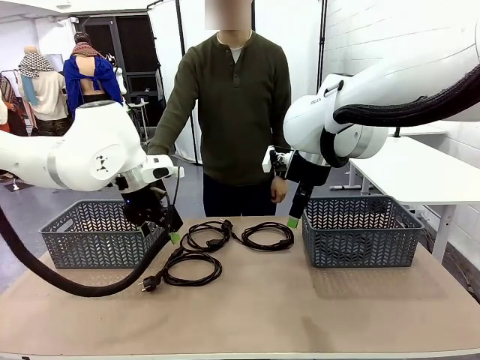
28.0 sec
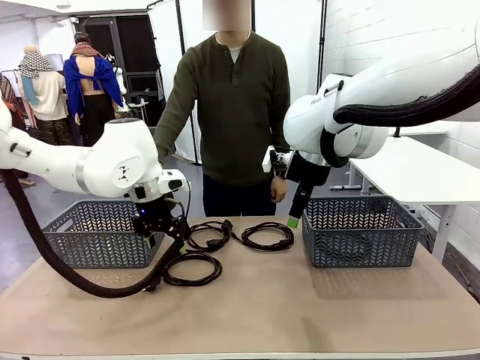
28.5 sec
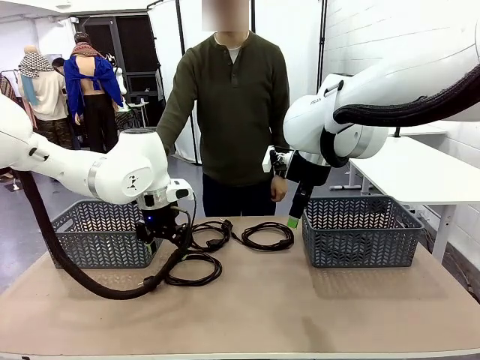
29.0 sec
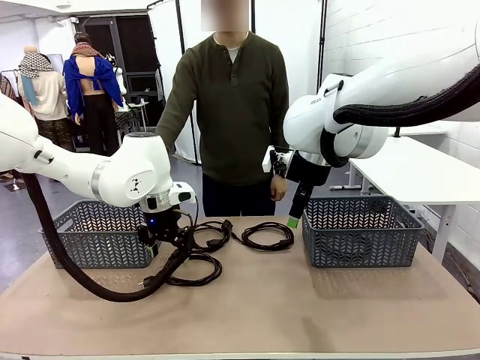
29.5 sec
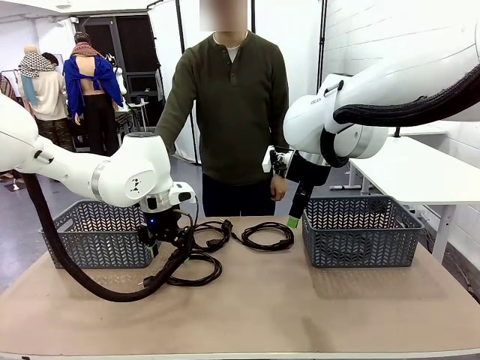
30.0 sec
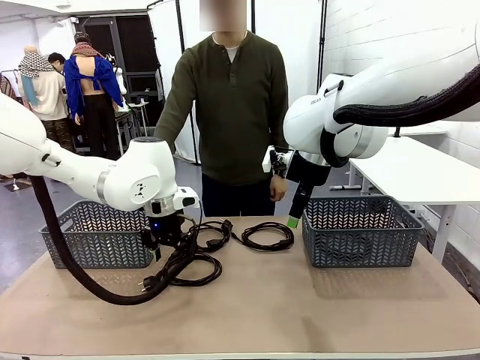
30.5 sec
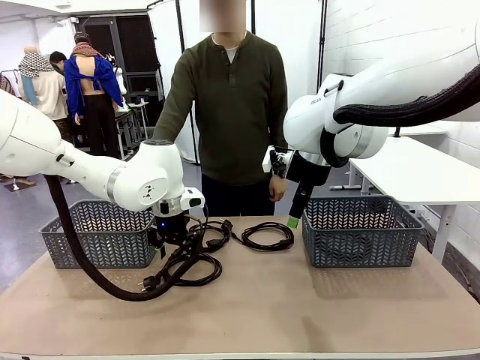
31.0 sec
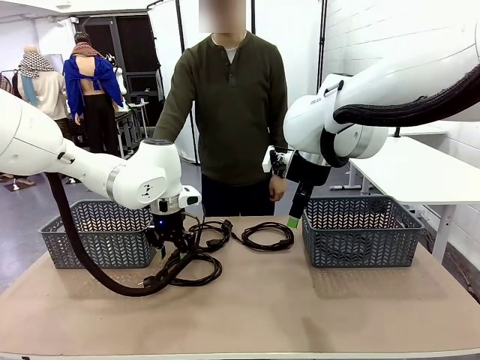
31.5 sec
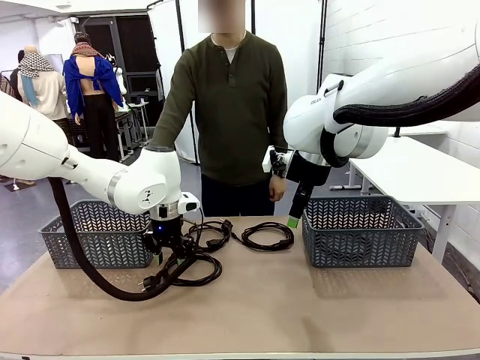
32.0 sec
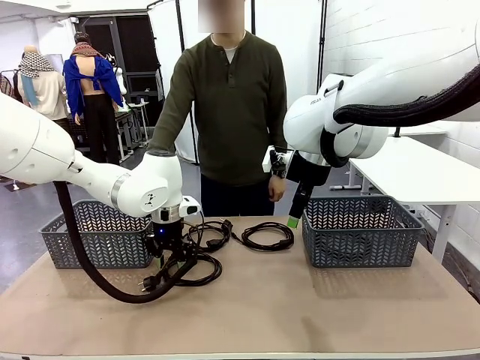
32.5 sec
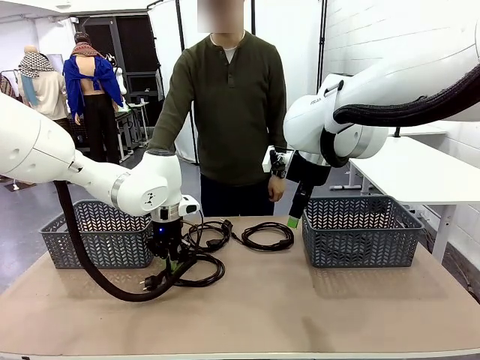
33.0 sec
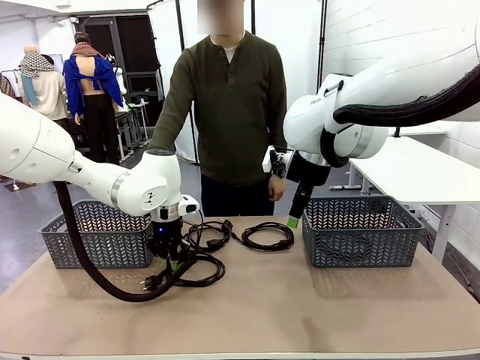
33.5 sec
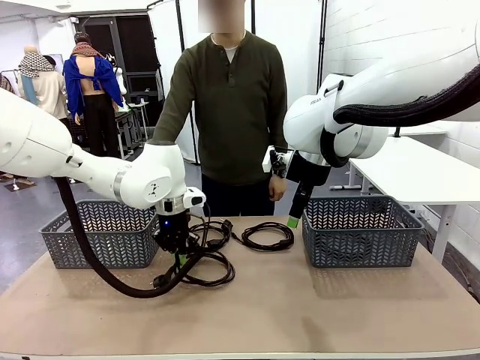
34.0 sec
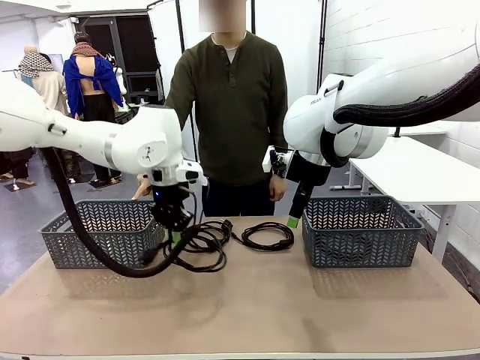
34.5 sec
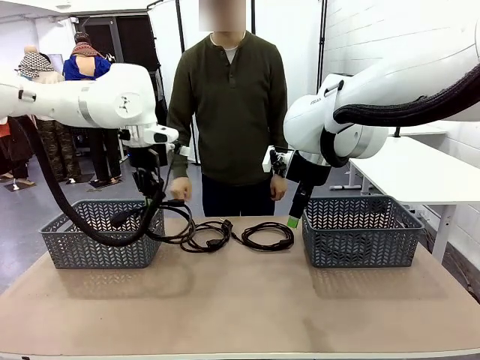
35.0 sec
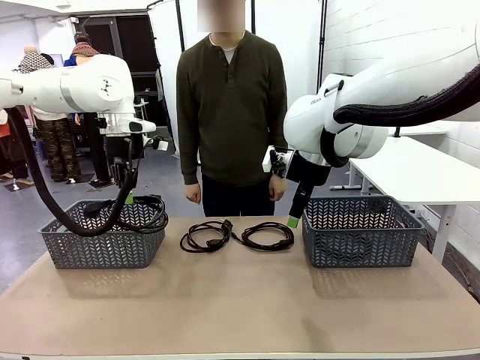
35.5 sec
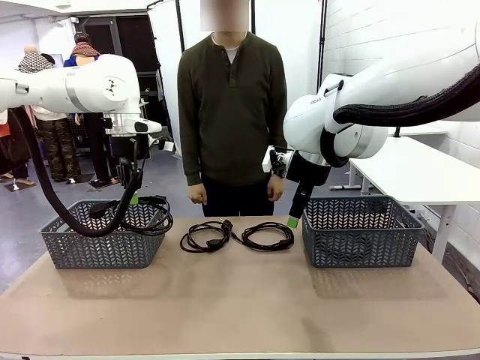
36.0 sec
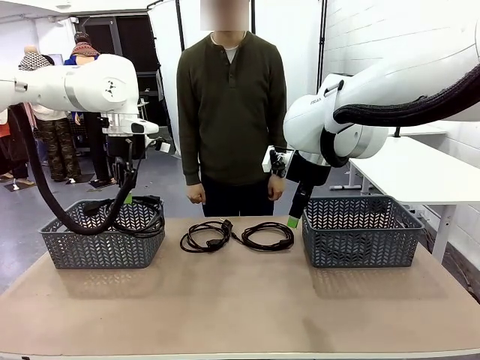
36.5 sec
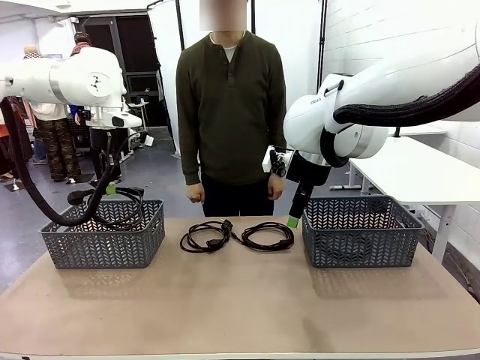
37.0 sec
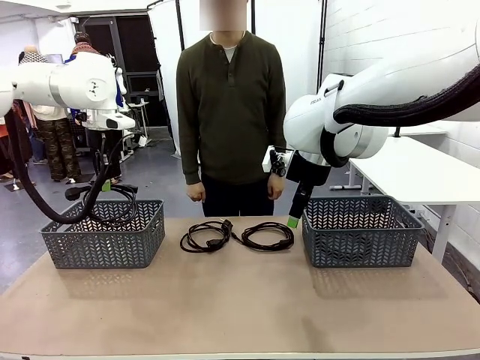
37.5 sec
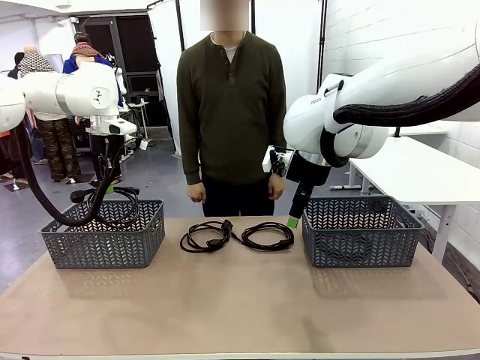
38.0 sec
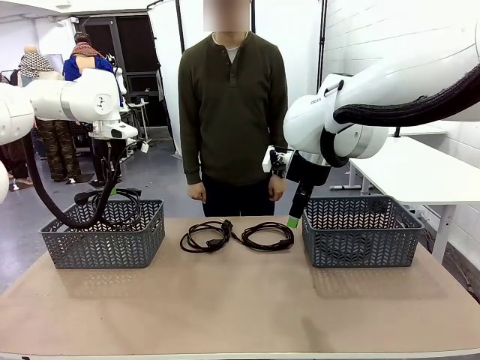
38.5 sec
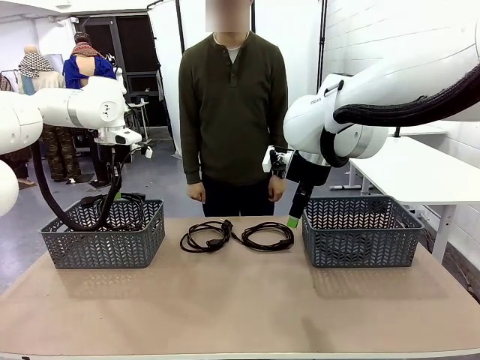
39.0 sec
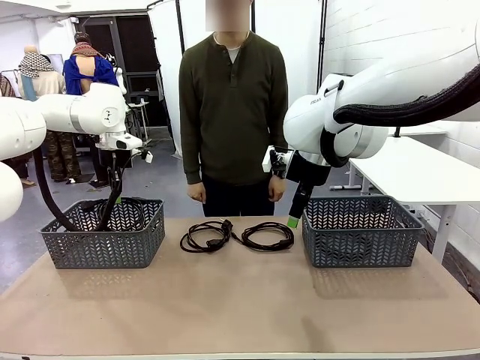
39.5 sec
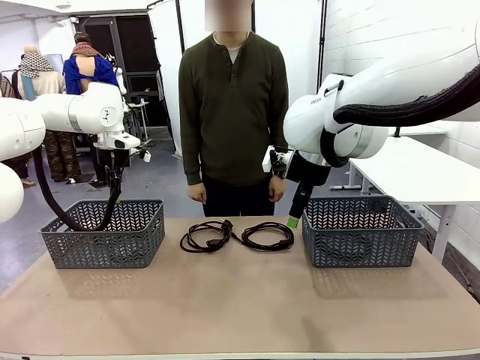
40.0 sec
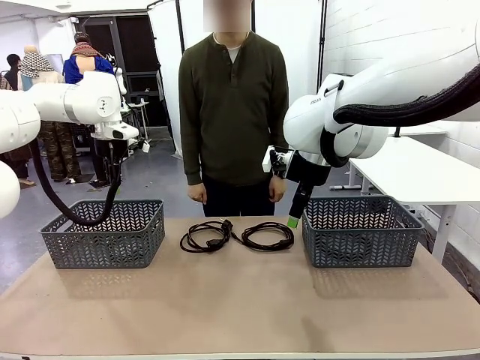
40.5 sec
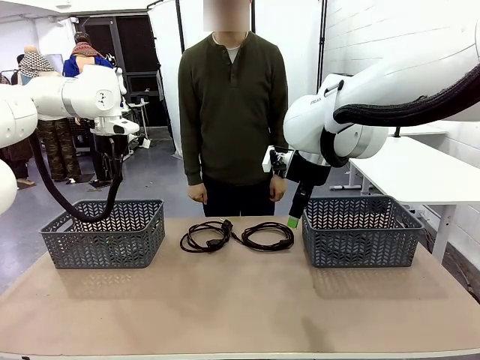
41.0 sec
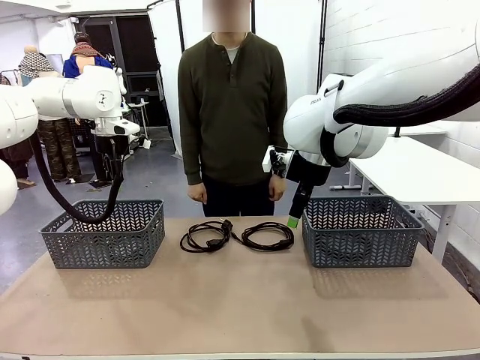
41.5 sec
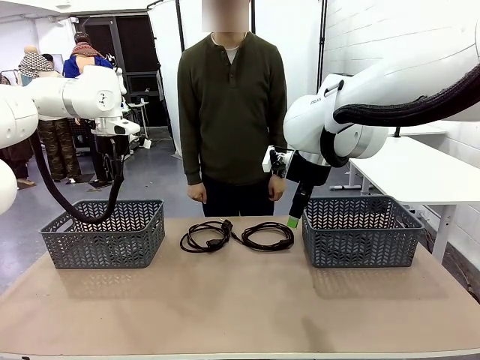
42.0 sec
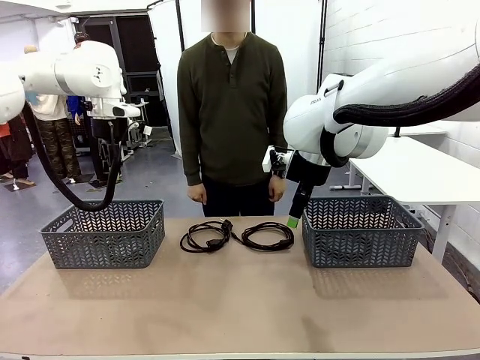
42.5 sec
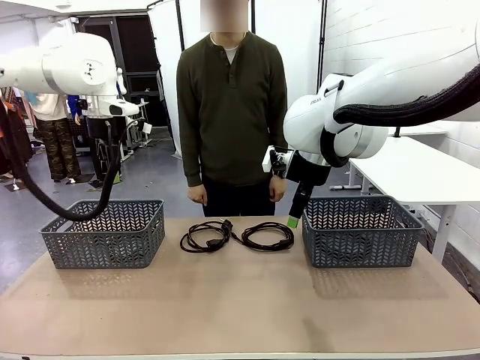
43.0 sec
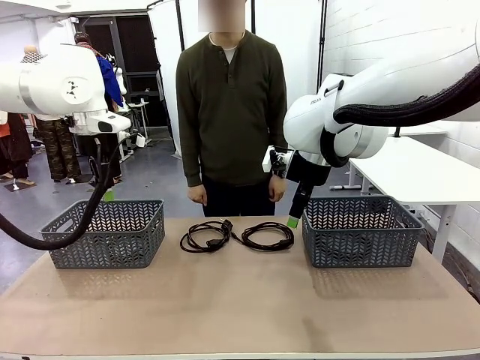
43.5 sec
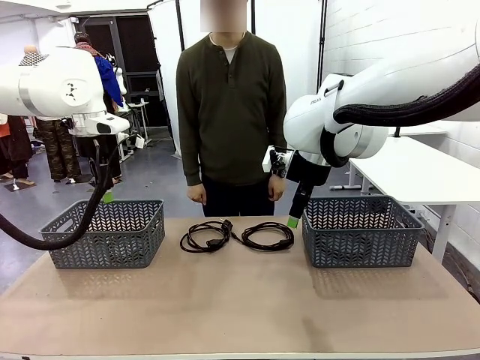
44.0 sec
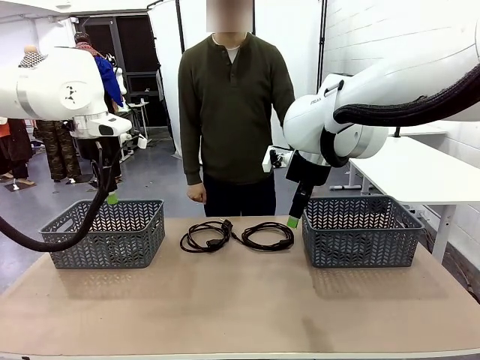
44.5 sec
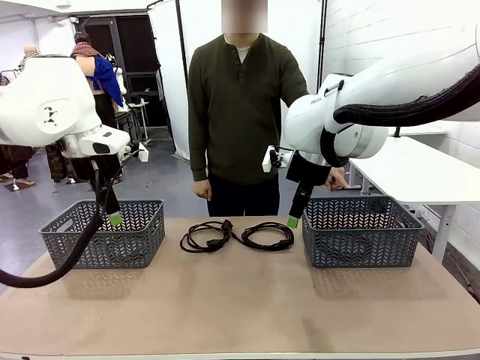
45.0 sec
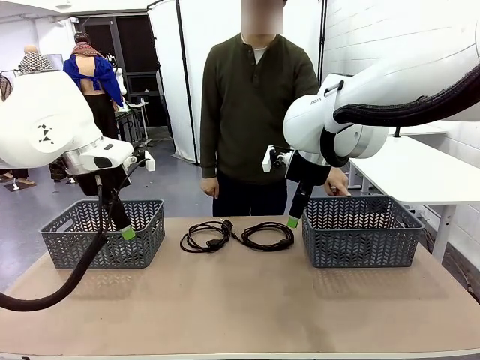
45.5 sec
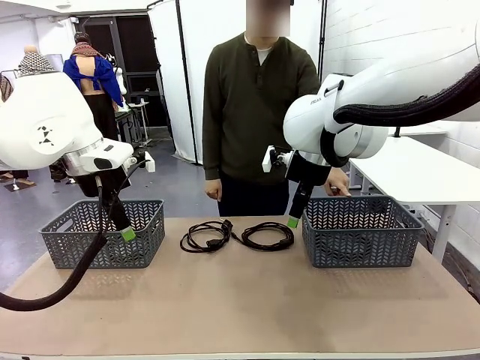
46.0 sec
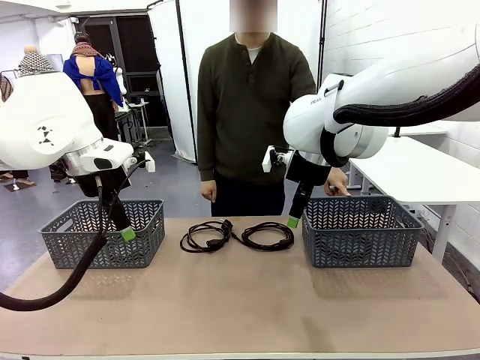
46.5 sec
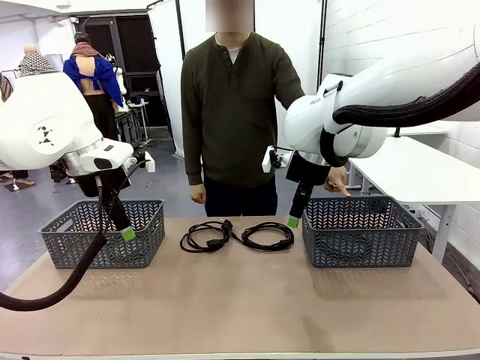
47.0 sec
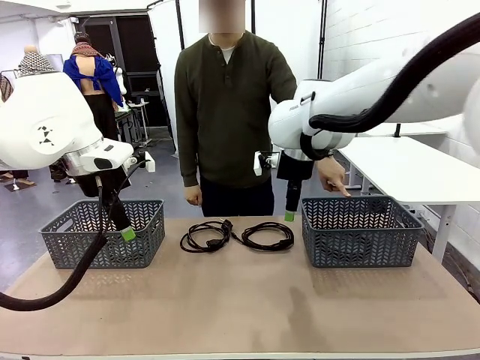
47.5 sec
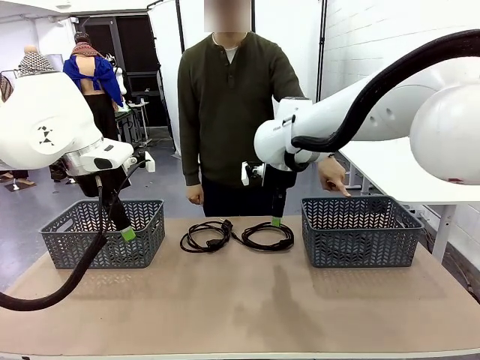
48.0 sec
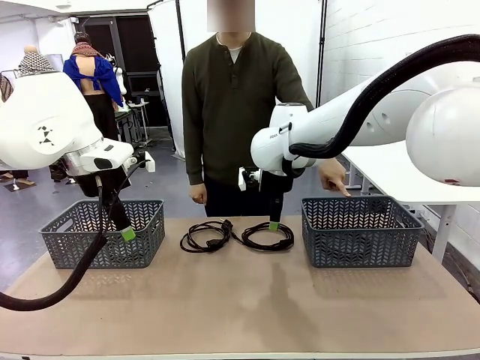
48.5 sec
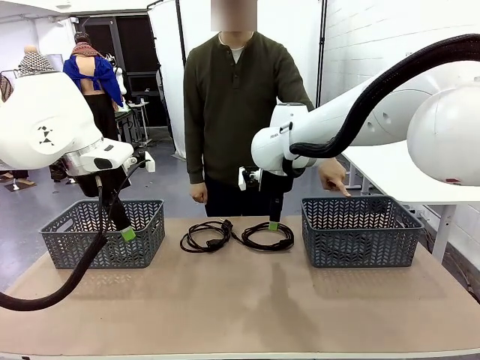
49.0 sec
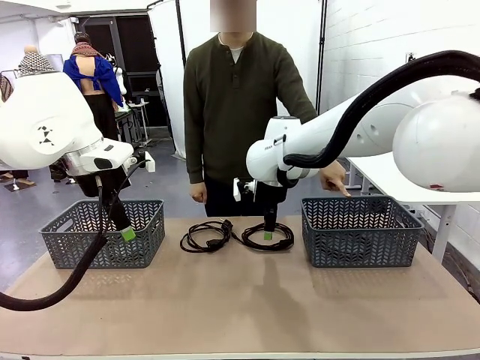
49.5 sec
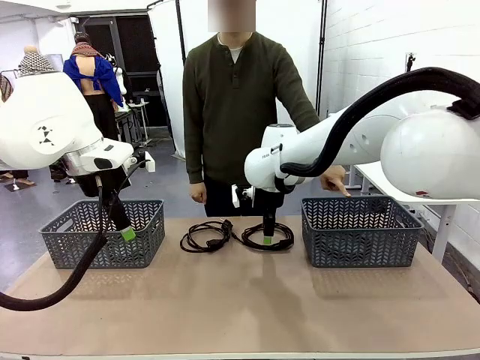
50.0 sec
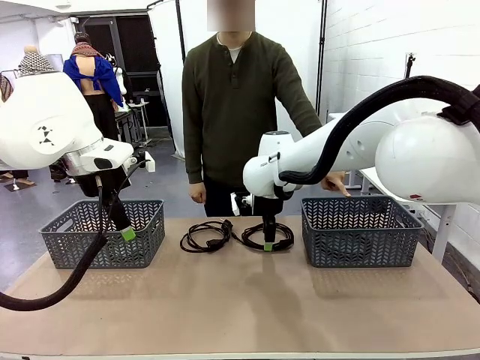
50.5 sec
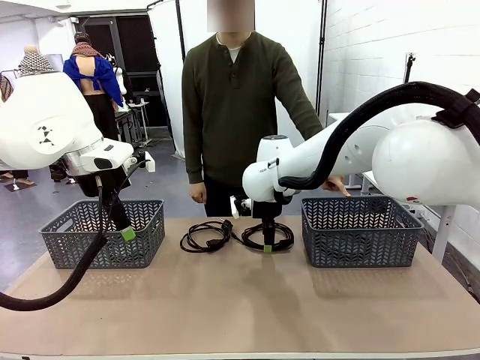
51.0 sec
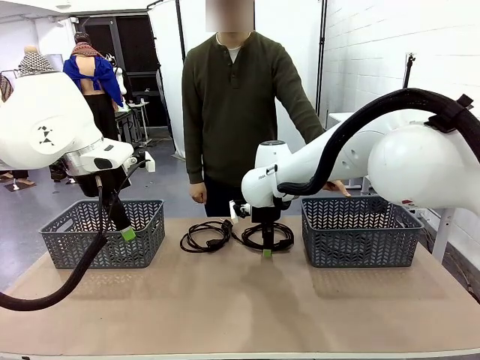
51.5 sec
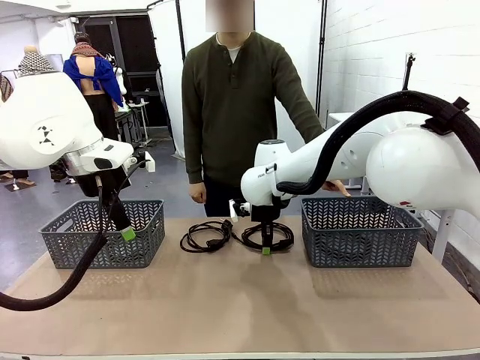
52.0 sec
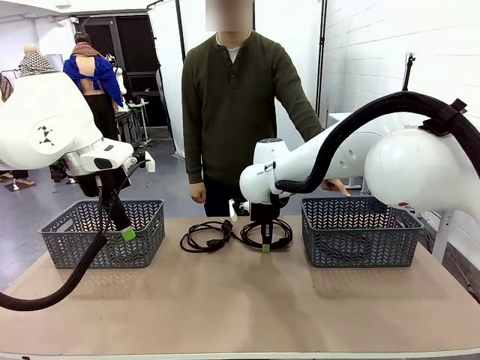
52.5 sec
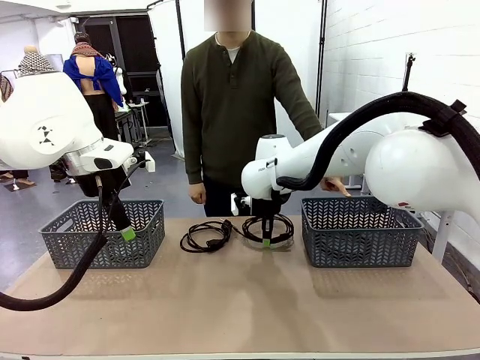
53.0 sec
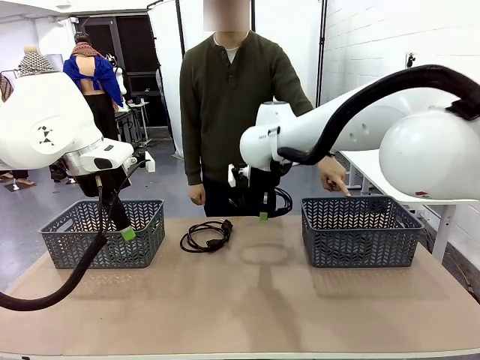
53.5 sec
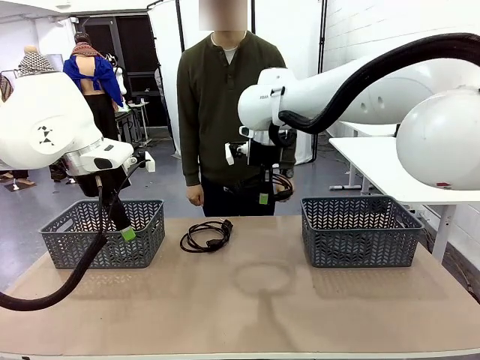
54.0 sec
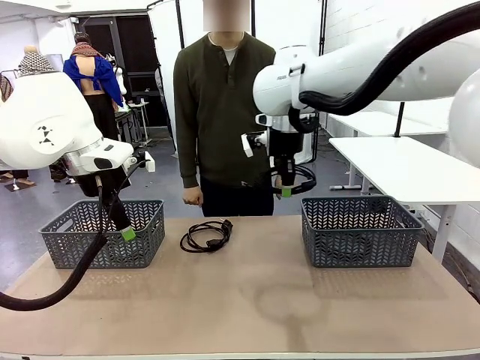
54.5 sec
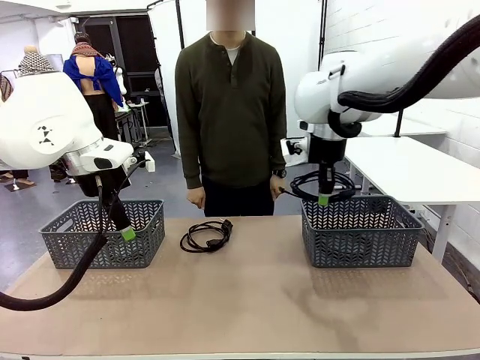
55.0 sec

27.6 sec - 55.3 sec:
Task: Organize the cables according to human instructions.
Robot: Pick up a bundle of cables and place it in the basket indicated by the human.
